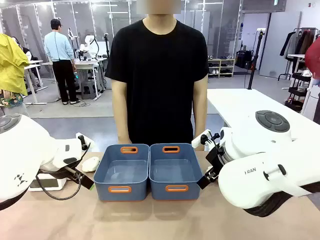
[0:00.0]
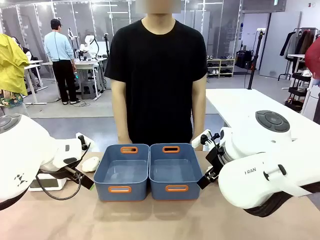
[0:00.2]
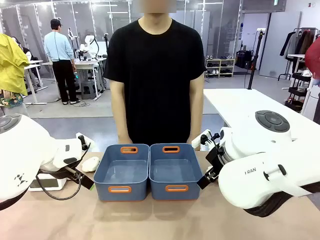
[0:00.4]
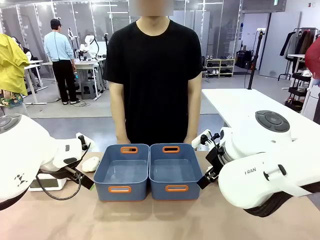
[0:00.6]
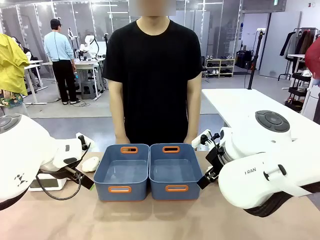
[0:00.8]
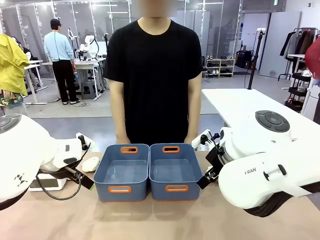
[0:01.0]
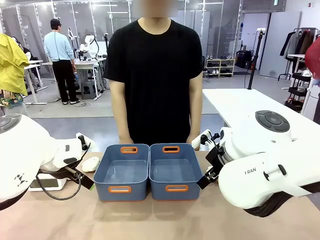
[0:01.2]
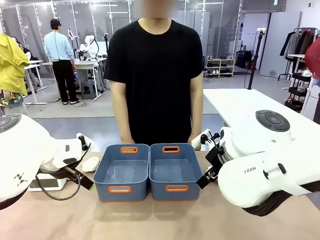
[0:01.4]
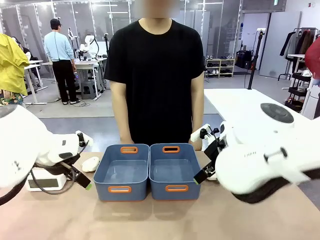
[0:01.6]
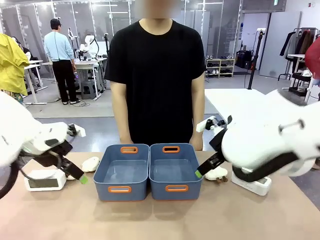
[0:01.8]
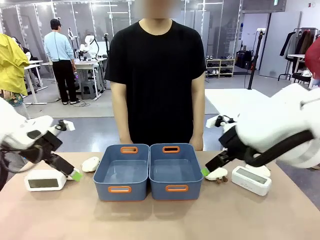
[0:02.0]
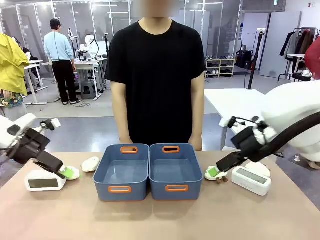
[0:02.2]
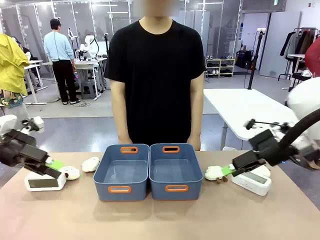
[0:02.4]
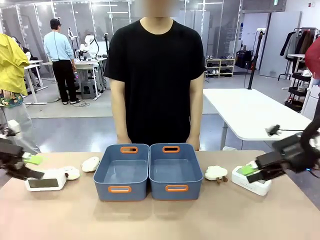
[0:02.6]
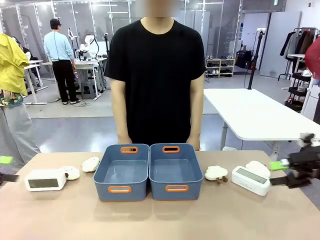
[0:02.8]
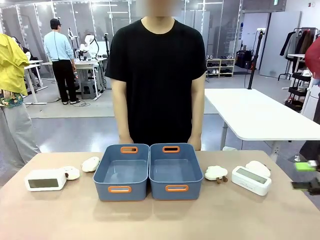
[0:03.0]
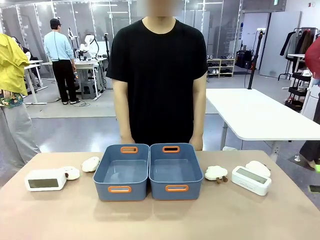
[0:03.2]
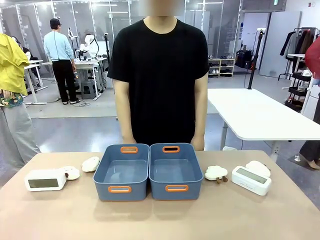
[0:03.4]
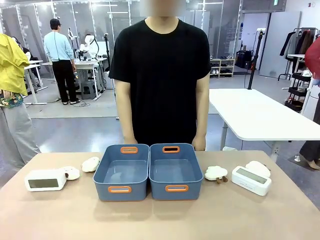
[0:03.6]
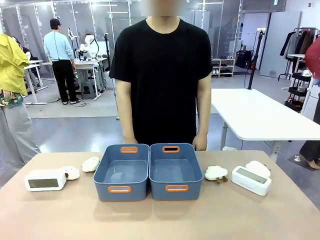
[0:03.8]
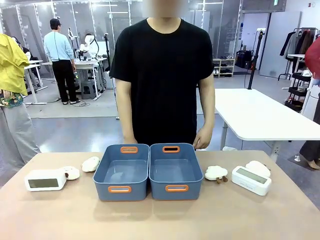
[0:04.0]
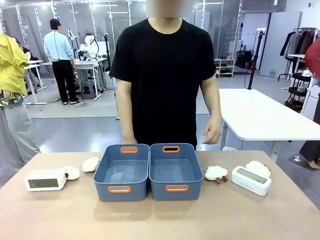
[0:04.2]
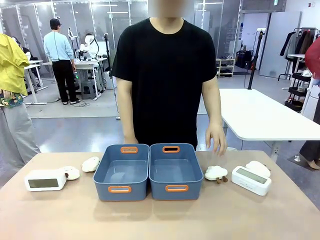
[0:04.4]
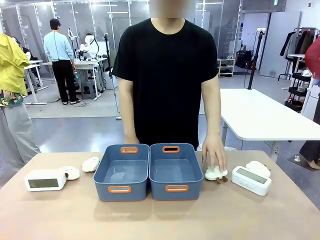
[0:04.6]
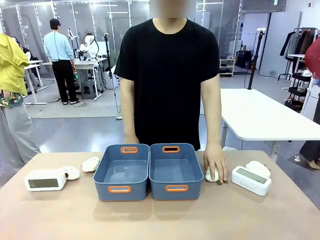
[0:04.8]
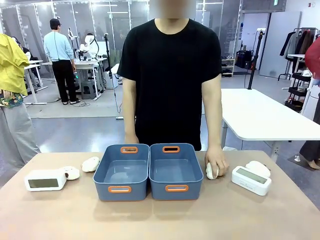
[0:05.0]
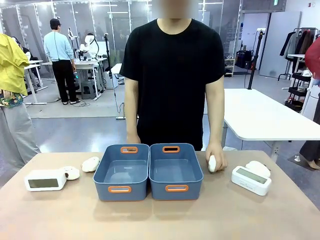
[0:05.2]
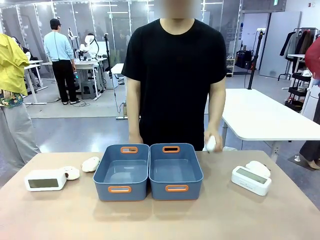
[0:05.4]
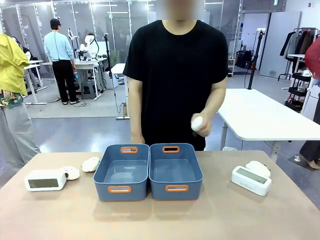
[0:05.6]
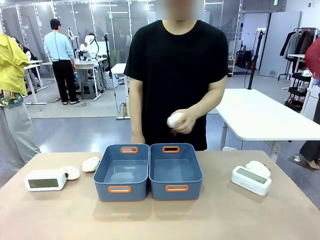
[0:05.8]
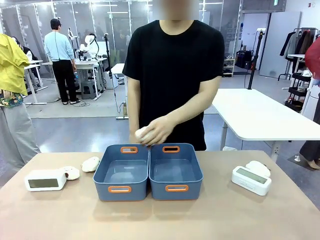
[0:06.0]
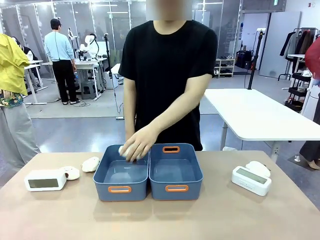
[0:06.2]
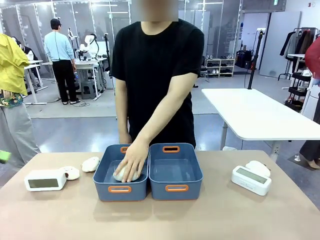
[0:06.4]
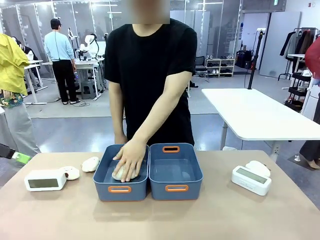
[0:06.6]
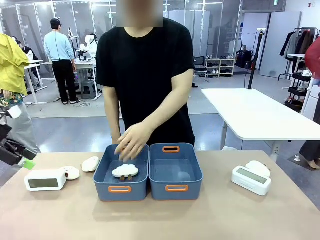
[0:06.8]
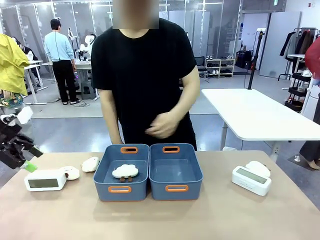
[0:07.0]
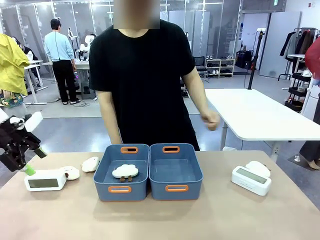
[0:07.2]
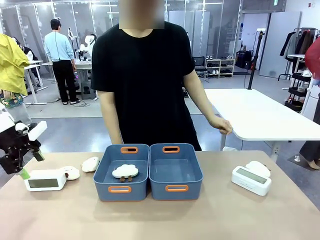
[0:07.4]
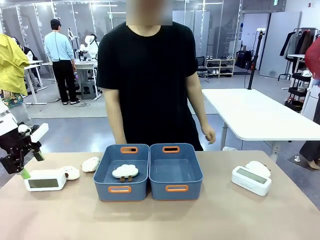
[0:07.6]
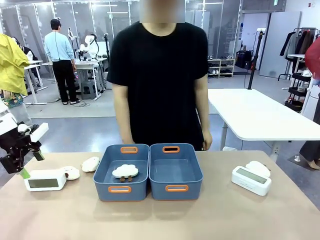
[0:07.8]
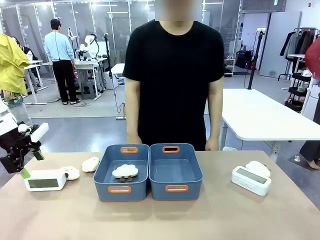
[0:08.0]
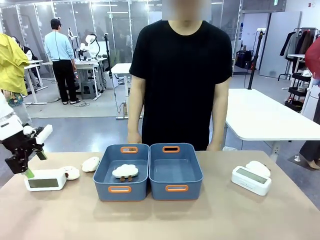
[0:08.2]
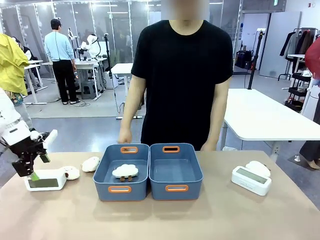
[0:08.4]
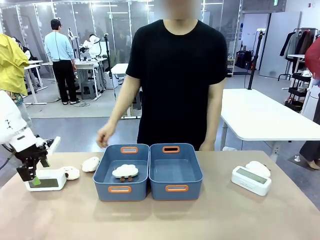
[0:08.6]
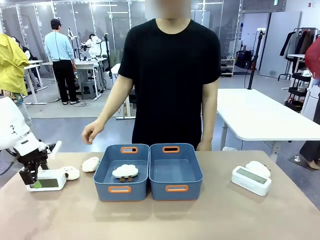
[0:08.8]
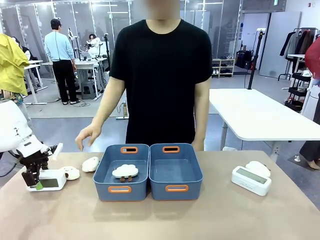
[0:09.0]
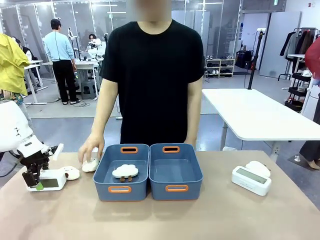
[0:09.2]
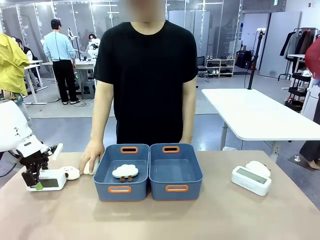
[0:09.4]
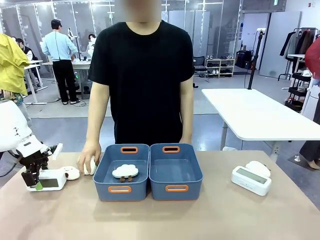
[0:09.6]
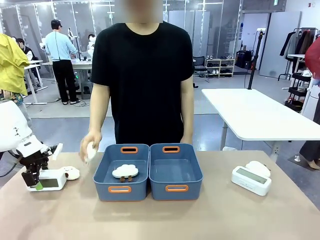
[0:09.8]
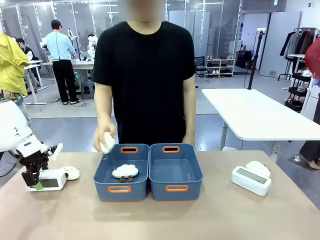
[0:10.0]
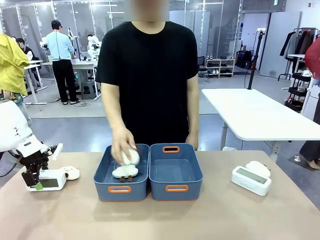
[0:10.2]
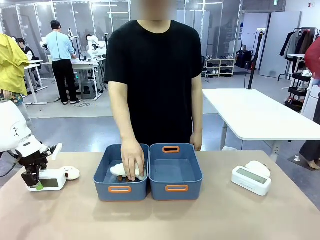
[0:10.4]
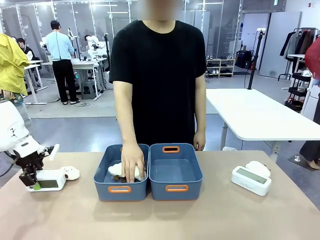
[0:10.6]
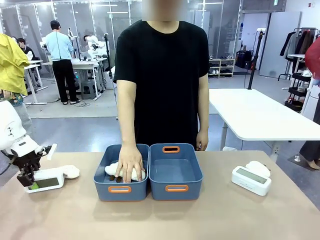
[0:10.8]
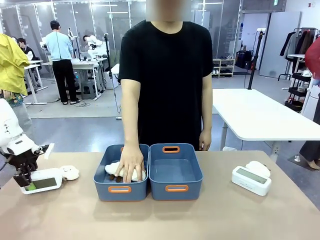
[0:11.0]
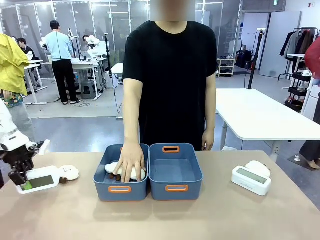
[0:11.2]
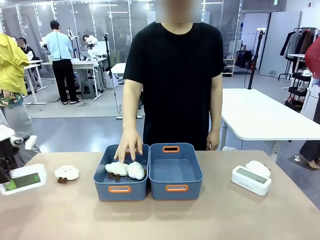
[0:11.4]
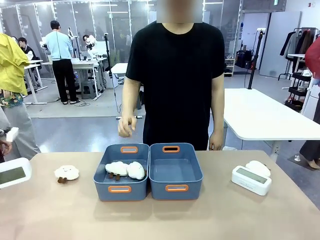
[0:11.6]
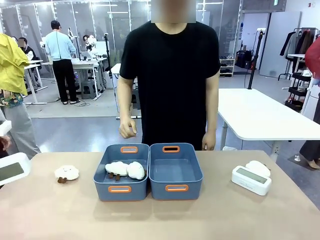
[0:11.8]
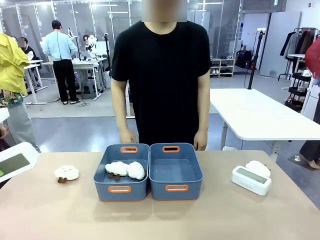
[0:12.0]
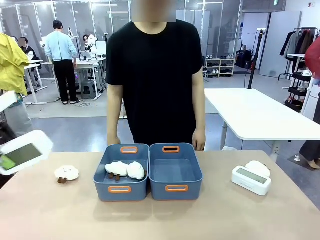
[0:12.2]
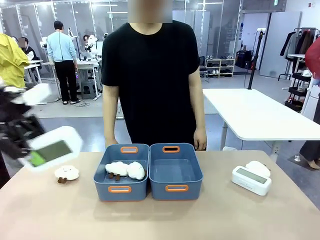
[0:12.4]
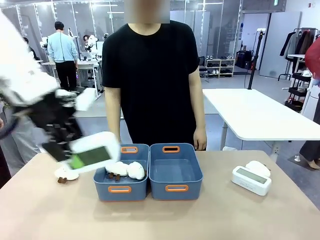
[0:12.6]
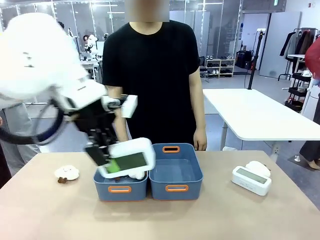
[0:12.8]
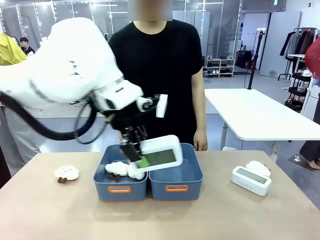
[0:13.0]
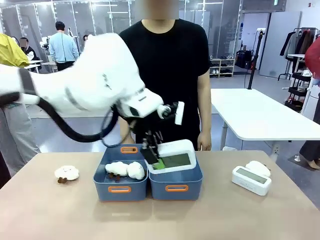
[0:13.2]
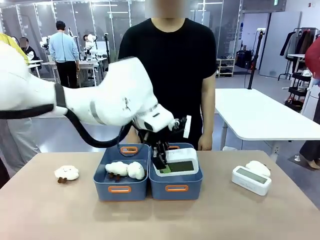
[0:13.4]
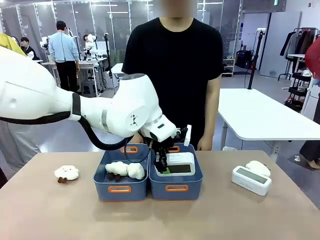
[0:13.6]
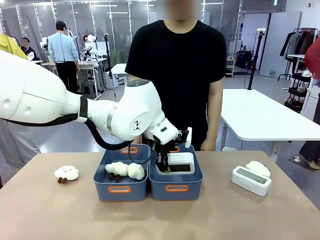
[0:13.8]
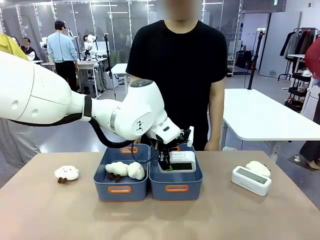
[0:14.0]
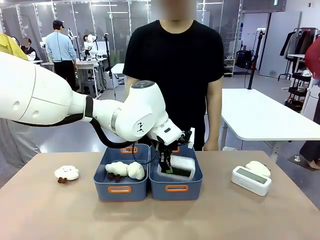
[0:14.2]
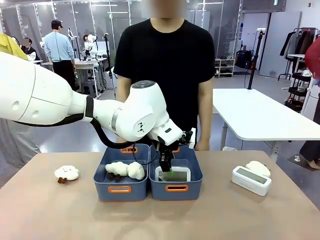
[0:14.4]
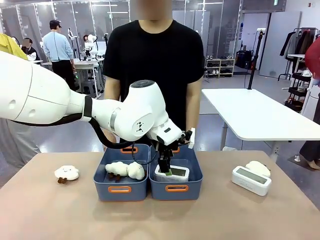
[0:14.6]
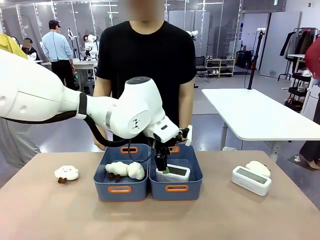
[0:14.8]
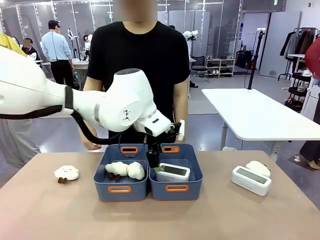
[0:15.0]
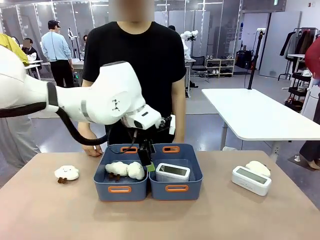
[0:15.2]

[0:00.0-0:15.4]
Task: Sort the digital clocks into the basket.
Robot: Pick up the Digital clock from the table and place it into the empty Plastic storage basket.
Person: Pick up a plush toy from the table and place it in a plastic storage basket.

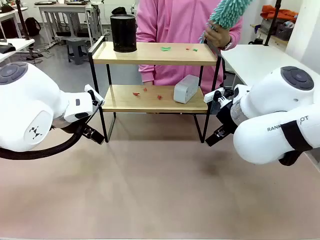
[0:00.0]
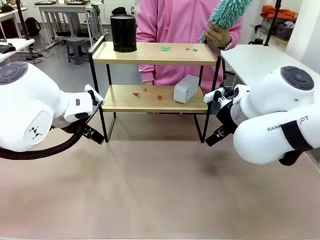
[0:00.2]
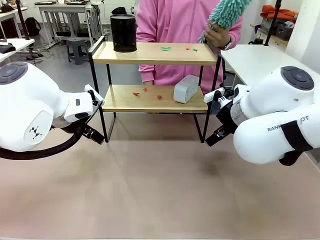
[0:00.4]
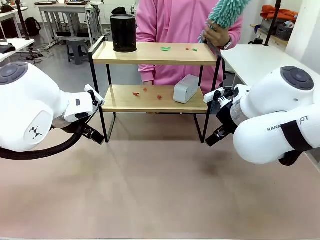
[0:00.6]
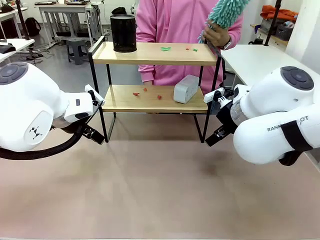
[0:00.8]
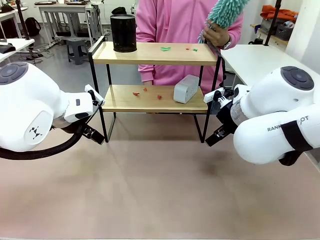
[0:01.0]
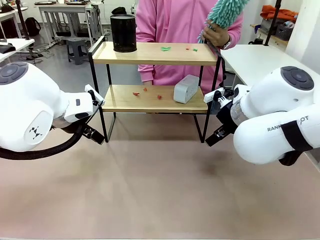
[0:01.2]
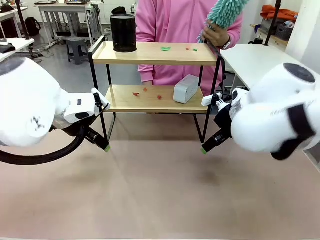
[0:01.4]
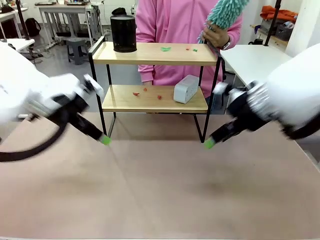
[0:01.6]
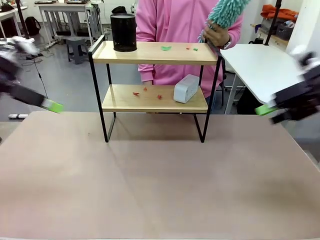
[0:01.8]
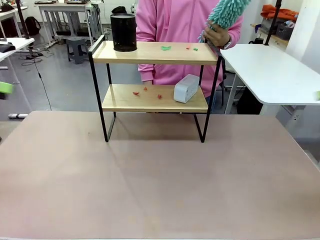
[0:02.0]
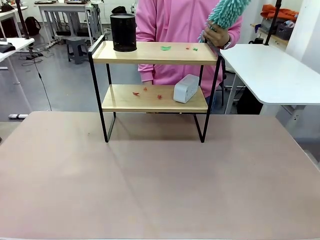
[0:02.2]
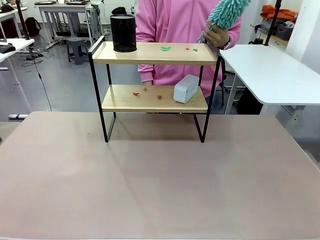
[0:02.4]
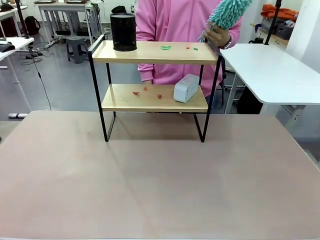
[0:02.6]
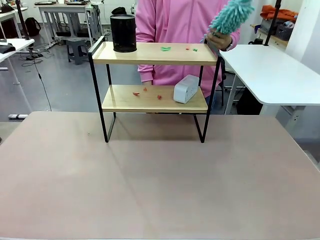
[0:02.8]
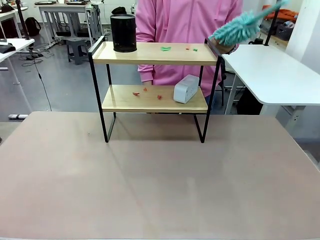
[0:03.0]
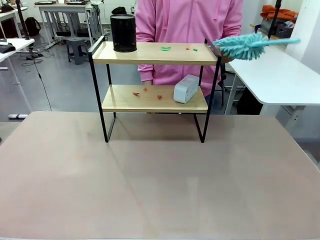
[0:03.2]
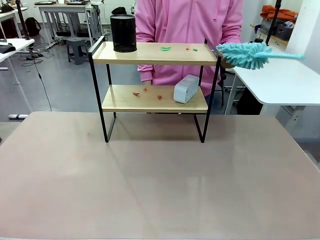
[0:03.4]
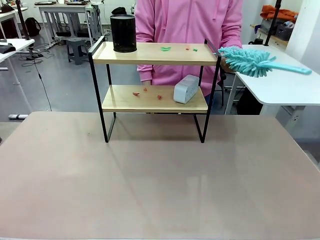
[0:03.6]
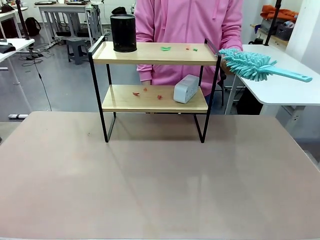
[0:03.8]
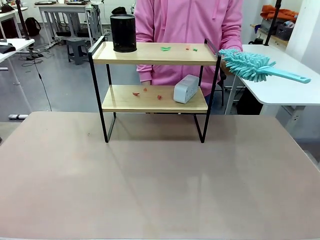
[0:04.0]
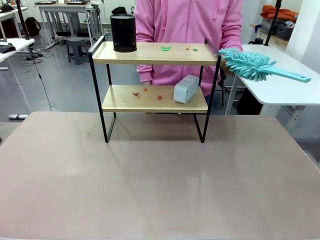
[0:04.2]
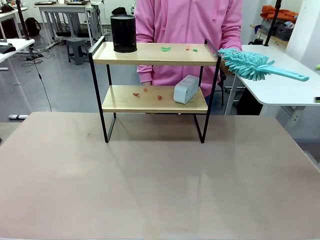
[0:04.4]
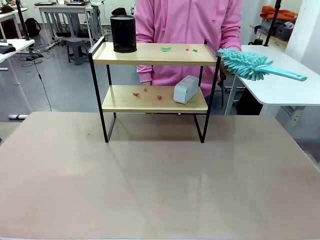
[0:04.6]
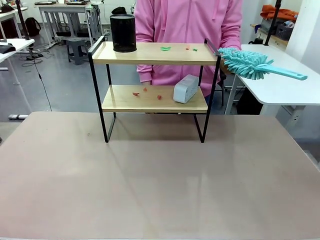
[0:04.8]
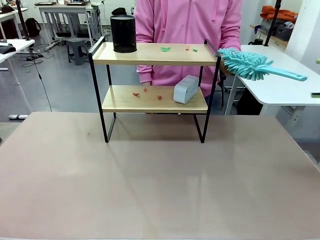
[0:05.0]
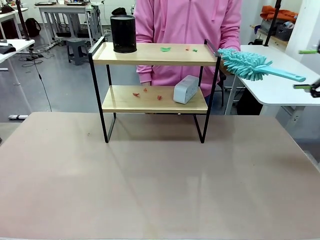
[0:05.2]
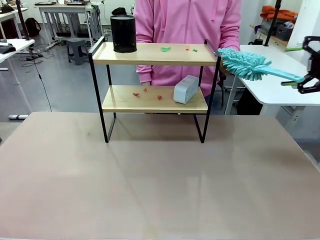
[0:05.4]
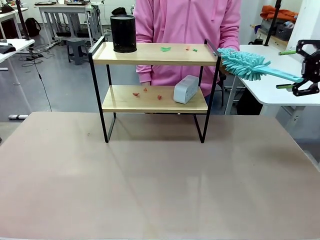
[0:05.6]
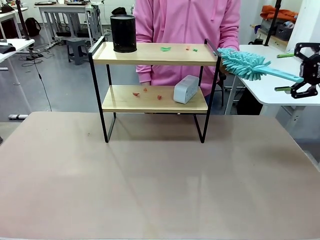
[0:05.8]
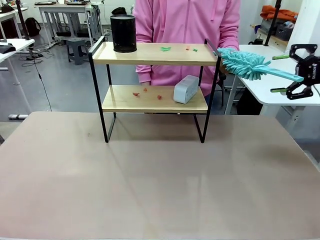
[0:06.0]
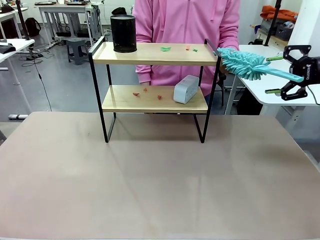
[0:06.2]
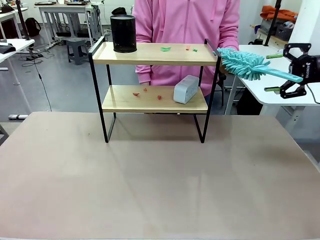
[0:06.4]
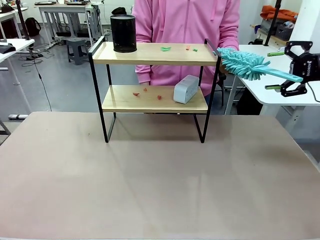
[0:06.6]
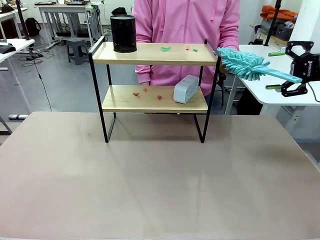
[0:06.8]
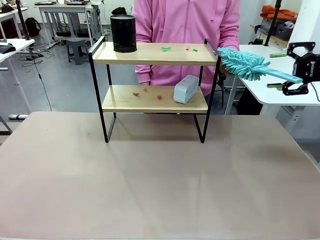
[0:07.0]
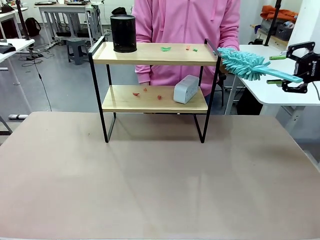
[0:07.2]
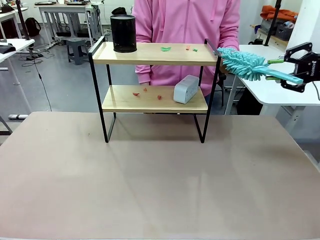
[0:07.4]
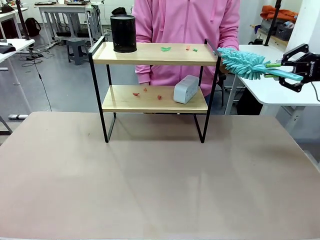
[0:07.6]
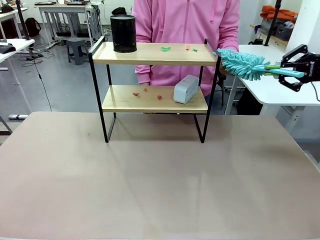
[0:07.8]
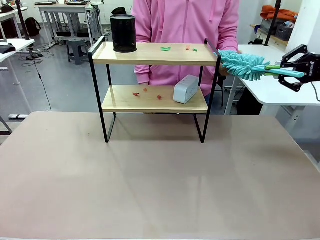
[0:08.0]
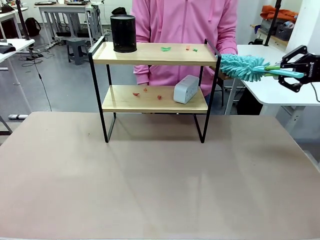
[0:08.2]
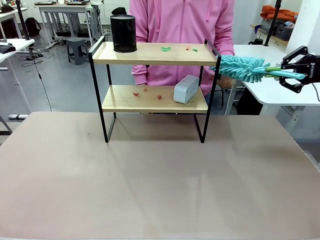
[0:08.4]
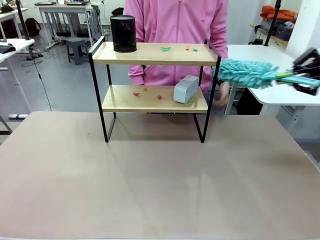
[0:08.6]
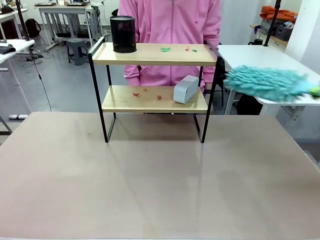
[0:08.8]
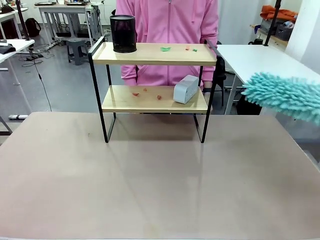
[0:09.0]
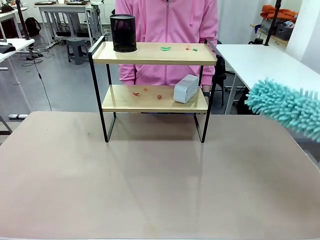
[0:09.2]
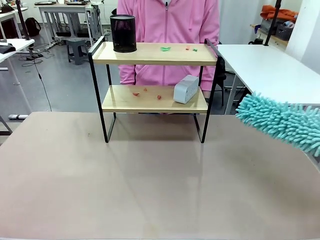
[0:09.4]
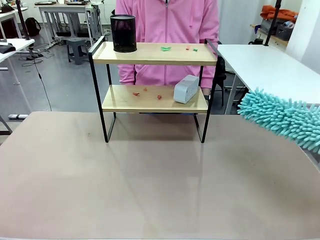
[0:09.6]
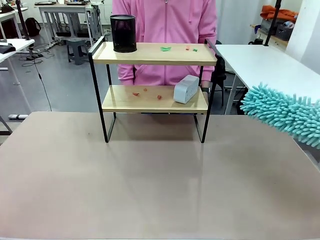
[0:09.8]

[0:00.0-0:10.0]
Task: Clean the shelf.
Robot: Pick up the Duster from the human.
Person: Hand the Duster to the robot.
